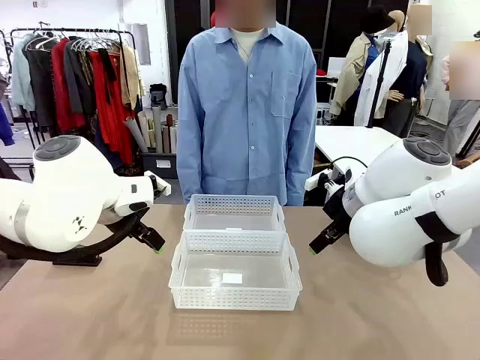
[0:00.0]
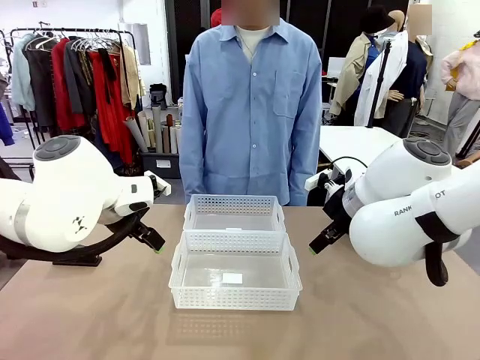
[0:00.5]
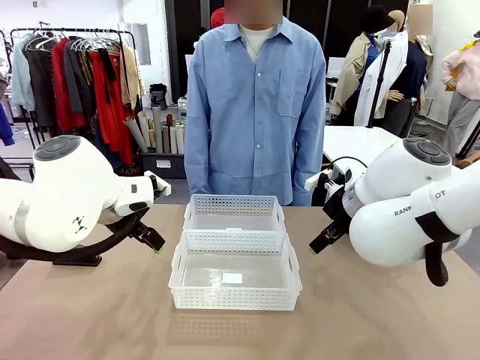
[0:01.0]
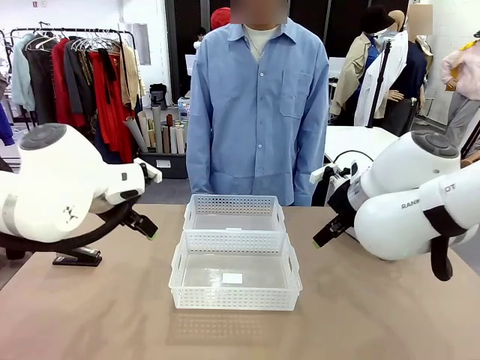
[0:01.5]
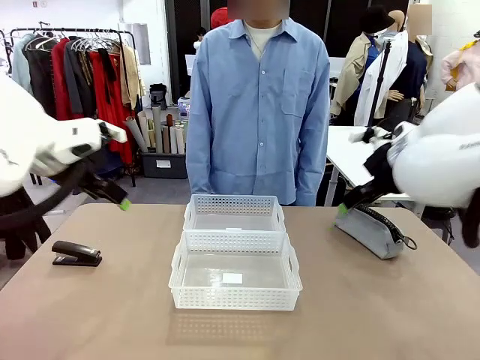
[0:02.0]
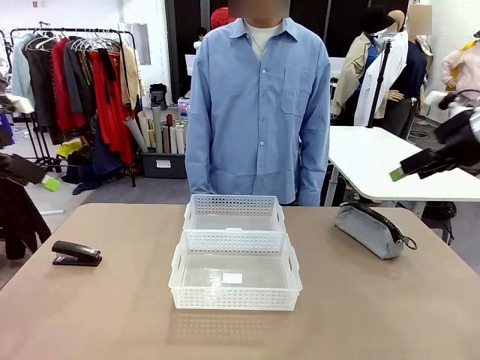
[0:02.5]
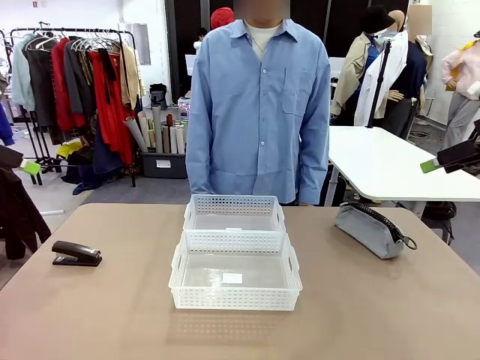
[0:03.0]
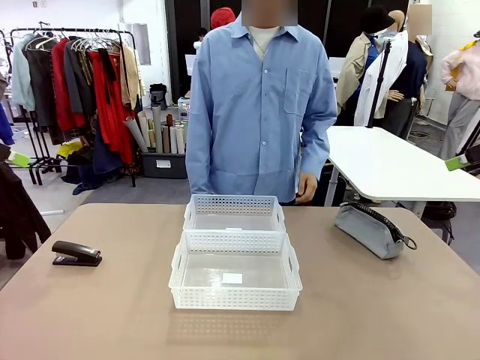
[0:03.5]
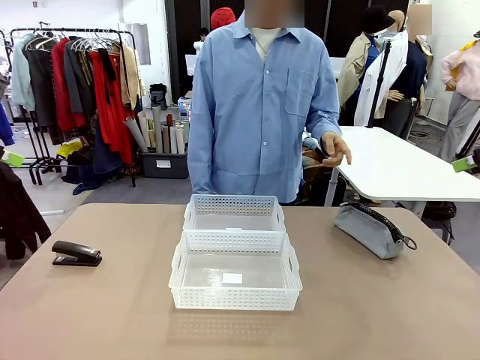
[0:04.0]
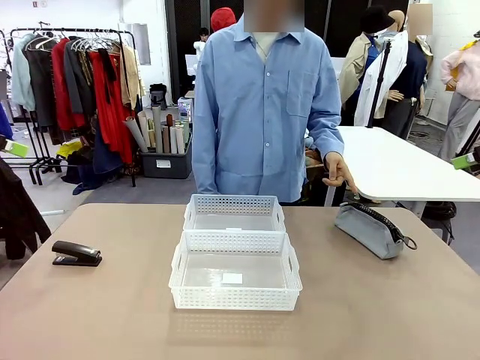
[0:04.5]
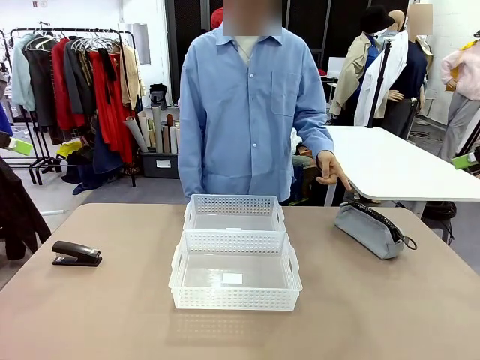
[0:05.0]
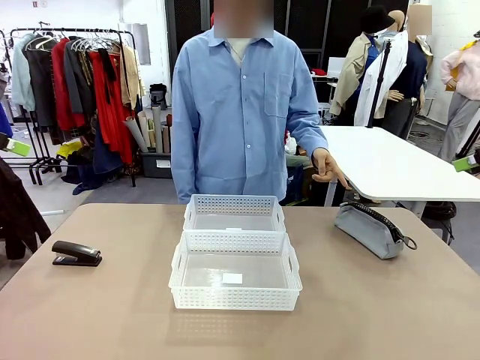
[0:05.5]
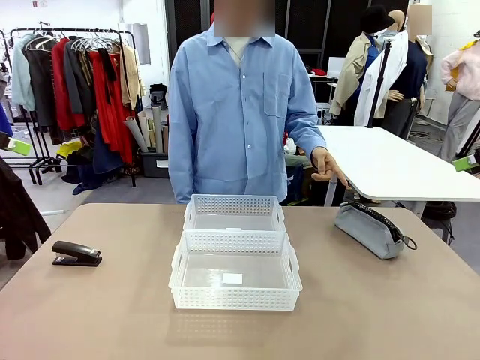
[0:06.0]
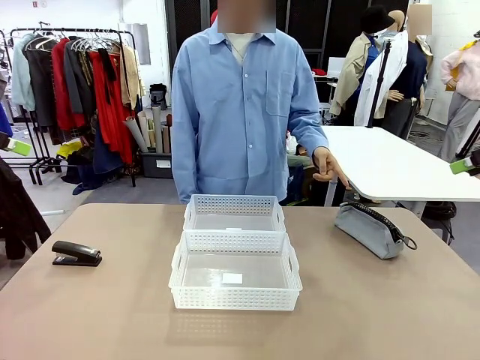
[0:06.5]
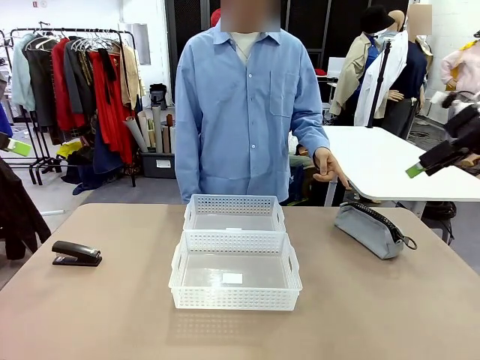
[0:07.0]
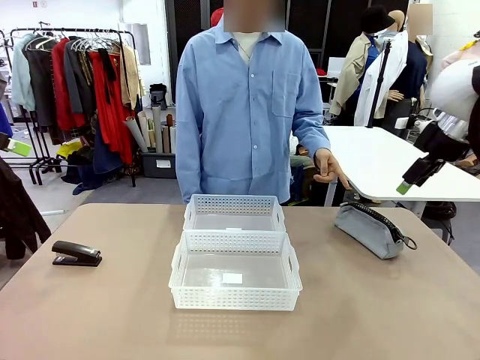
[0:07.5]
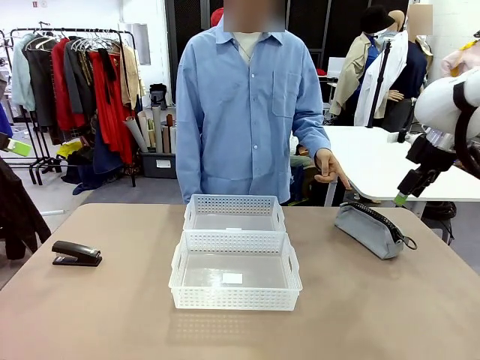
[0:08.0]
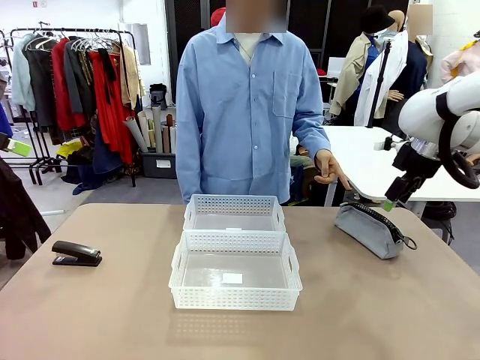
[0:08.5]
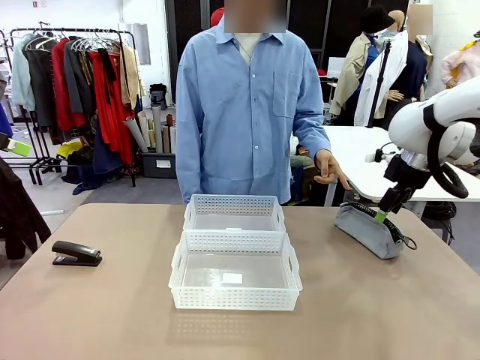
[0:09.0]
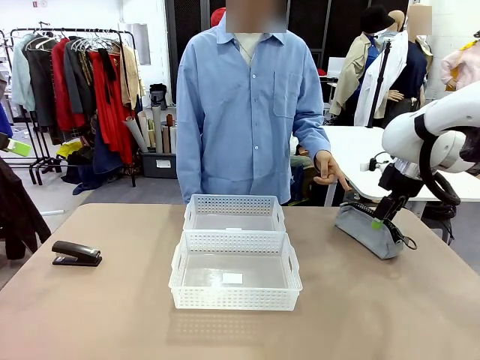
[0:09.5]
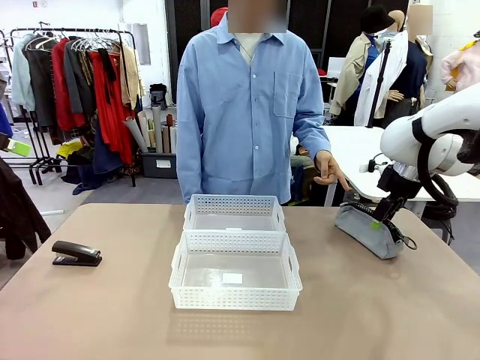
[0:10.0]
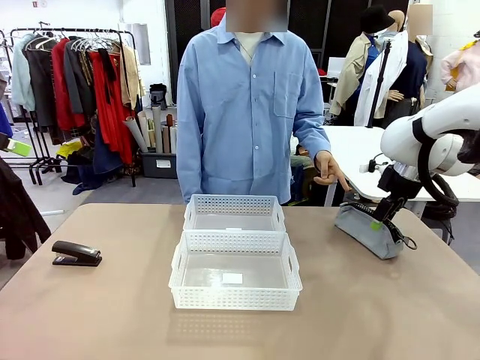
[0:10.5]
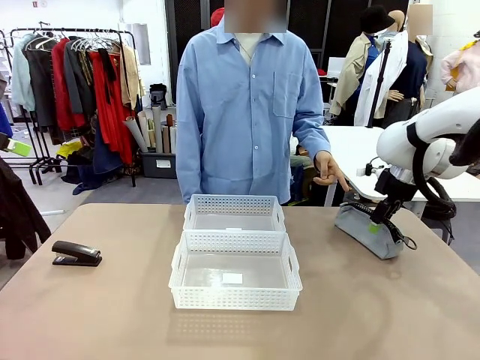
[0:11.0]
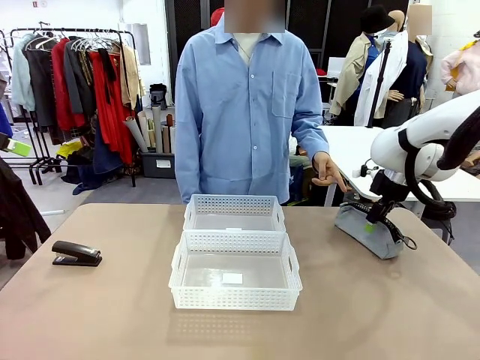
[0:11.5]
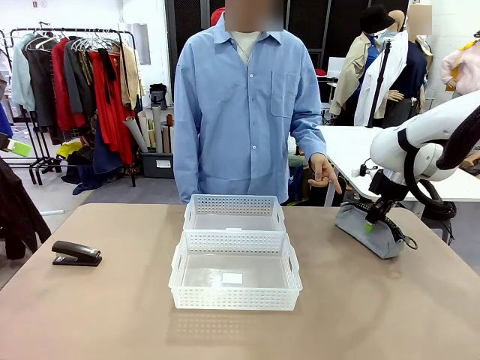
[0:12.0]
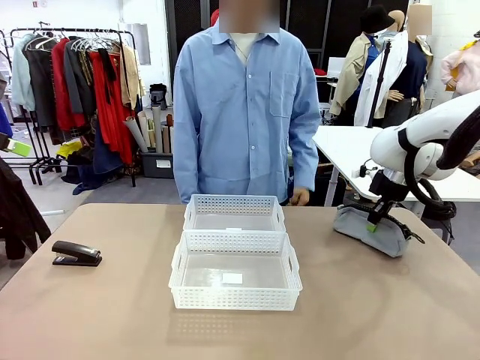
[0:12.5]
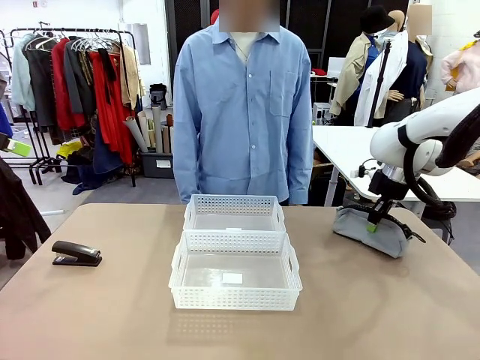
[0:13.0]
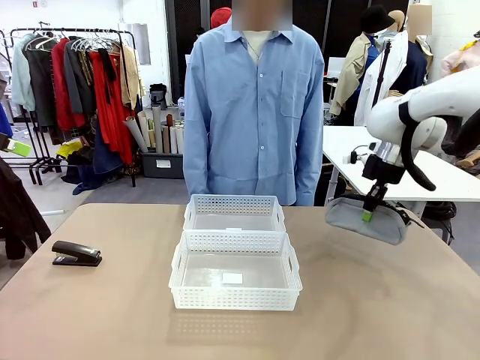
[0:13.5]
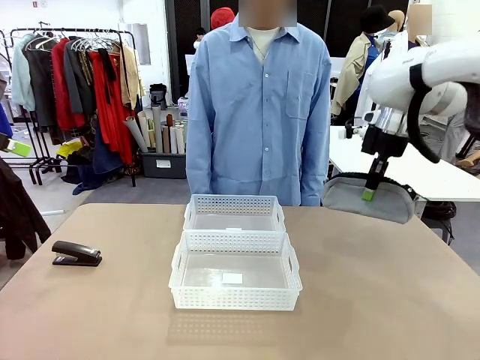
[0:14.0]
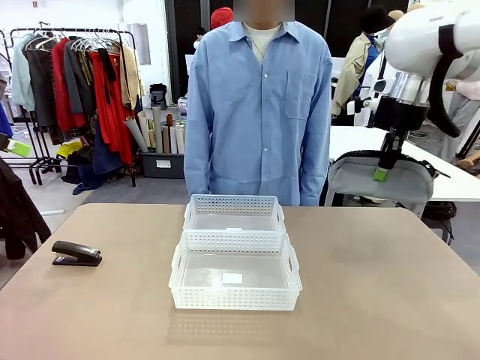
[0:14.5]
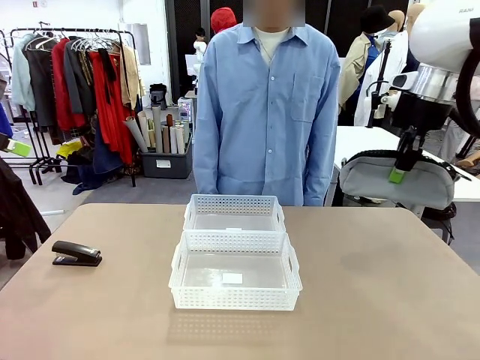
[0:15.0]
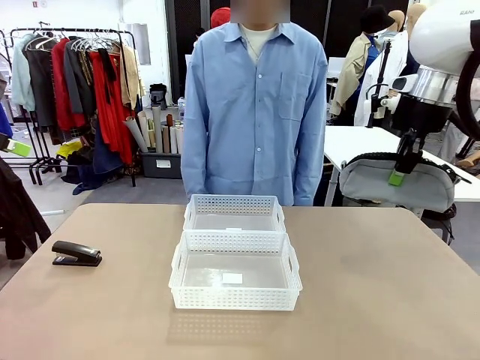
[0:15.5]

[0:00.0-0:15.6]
Task: Distribute items into two baskets.
Robot: Pick up the Pencil pouch that the person points to.
Person: Points to the pencil case. Points between the two organizing baskets and instructs the robot to move the pencil case.

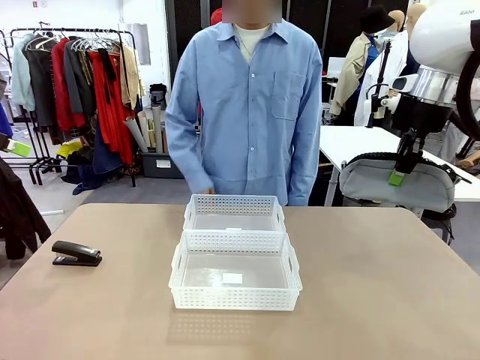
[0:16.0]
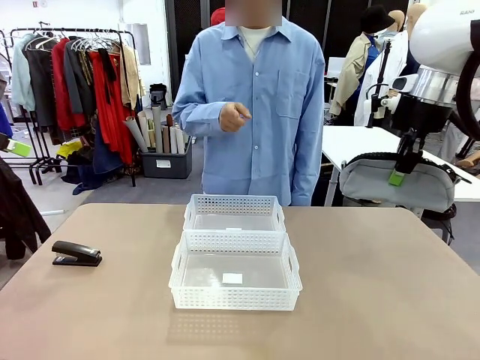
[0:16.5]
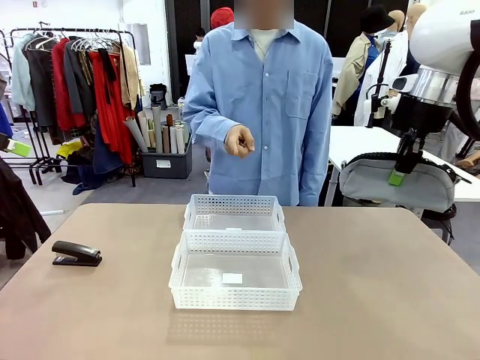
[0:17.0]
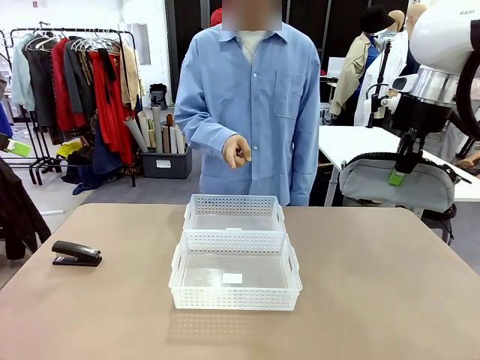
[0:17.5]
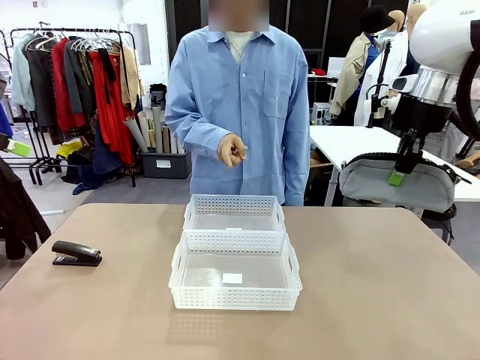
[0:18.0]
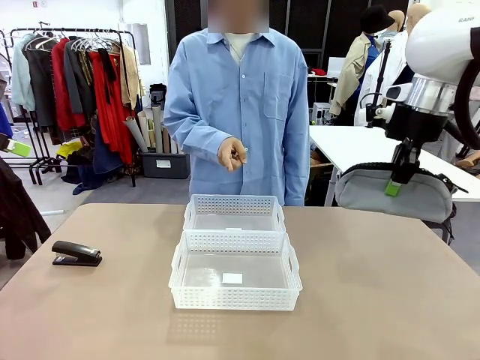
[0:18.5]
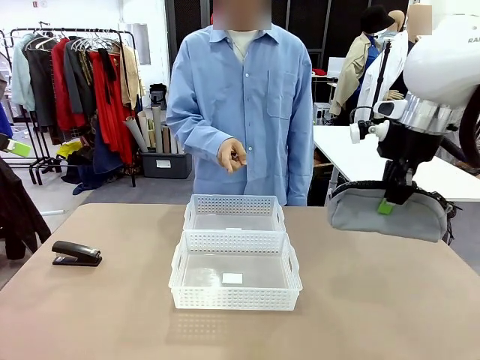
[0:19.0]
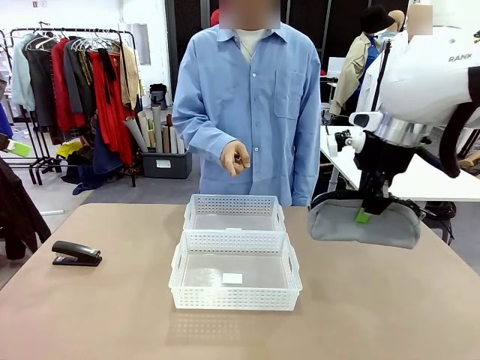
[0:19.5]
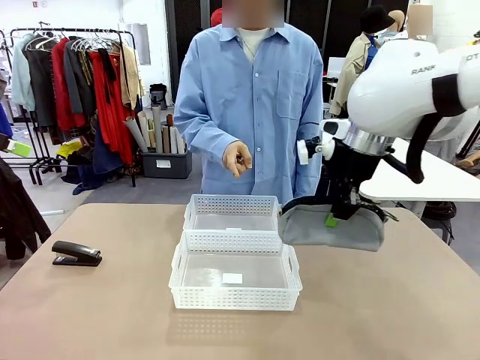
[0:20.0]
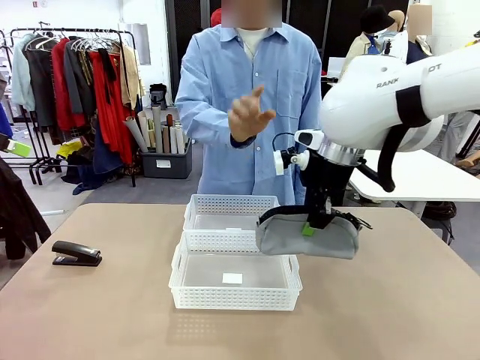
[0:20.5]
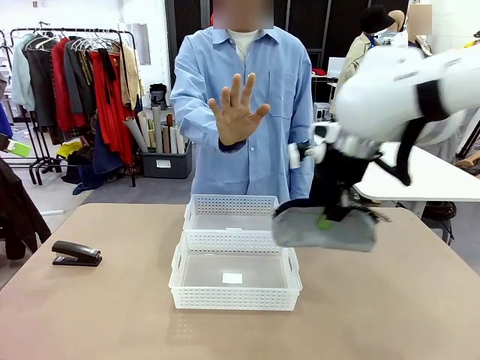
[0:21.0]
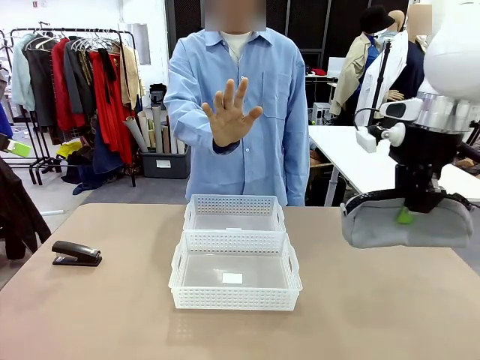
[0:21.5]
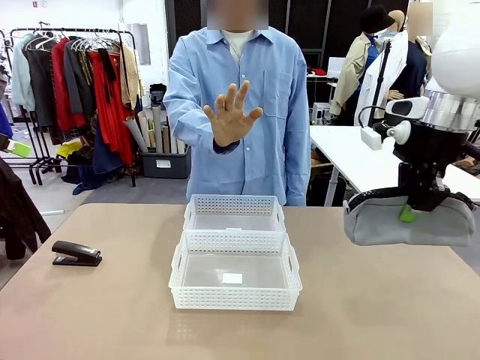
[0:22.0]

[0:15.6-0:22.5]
Robot: Move the picked Pencil pouch towards the Organizing basket indicated by the person, stopping as directed.
Person: Sends a stop gesture before the robot places the pencil case into the basket.

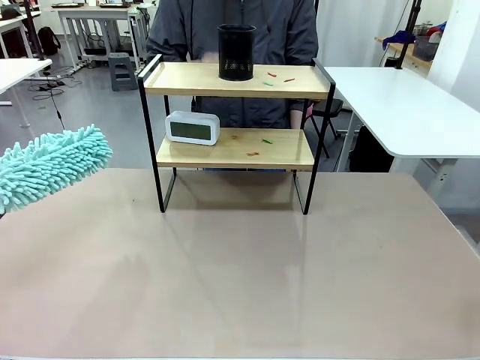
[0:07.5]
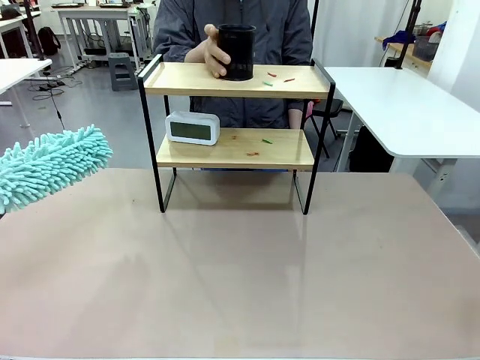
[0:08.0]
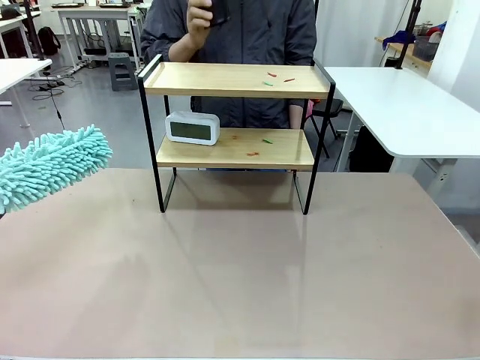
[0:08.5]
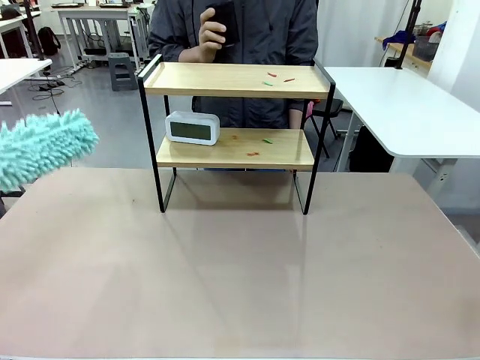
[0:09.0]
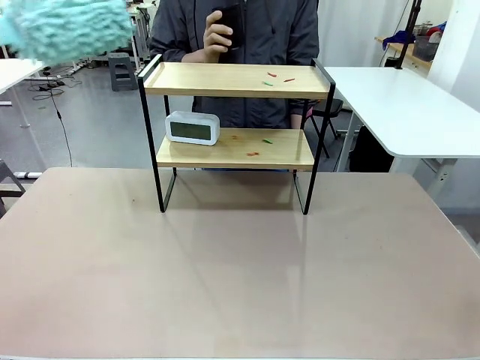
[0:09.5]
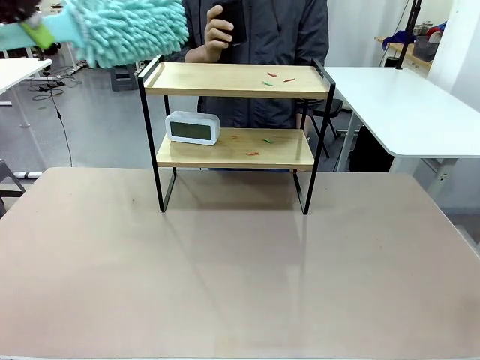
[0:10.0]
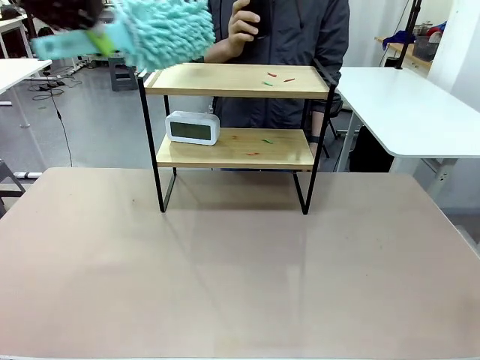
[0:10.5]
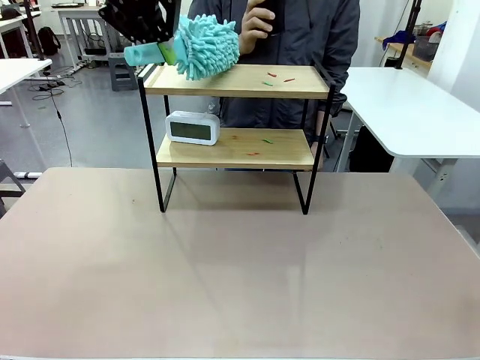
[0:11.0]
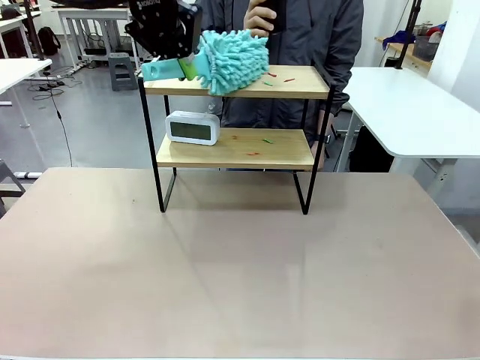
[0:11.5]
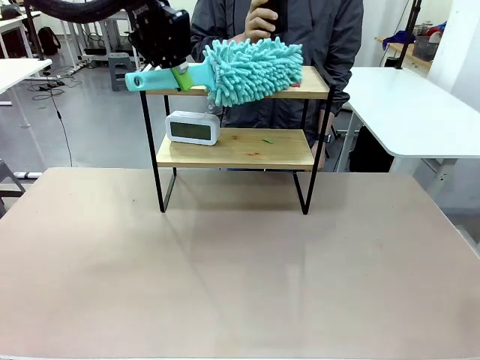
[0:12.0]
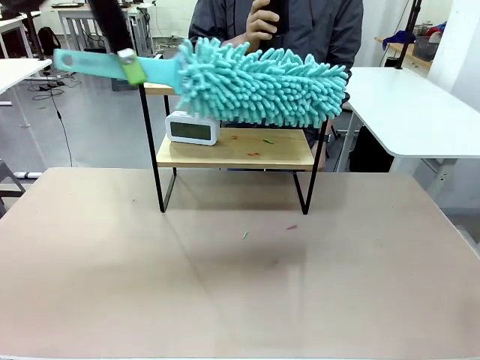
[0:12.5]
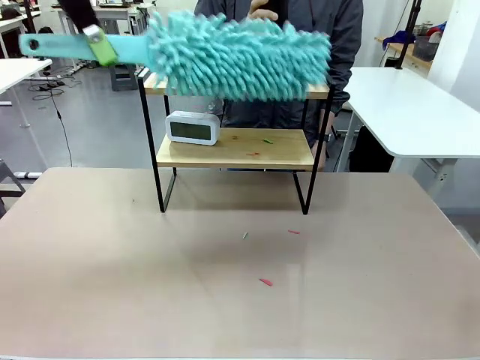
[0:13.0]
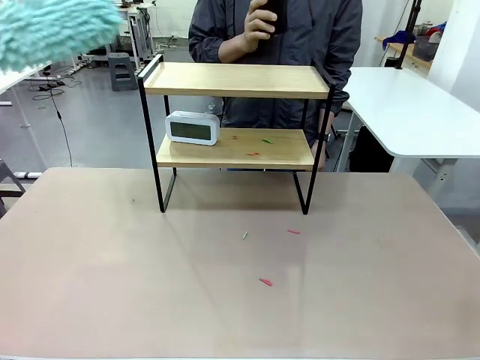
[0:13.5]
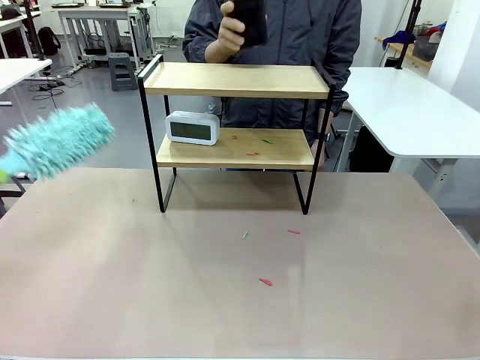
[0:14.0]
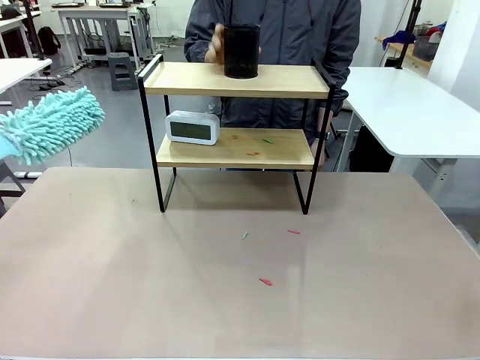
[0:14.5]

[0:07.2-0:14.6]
Task: Clean the shelf.
Robot: Clean the specific tier of the Shelf with the Duster once objects are removed.
Person: Lift the objects on a randomly selected tier of the Shelf. Once the robot finishes cleaning, lift the objects on the remaining tiers of the Shelf.
